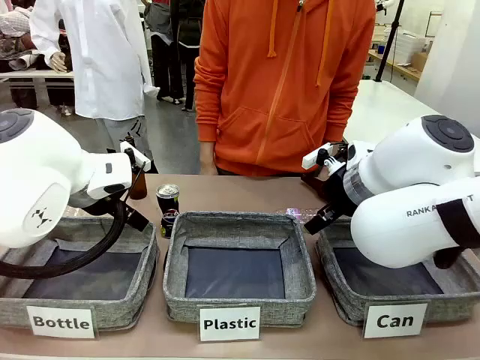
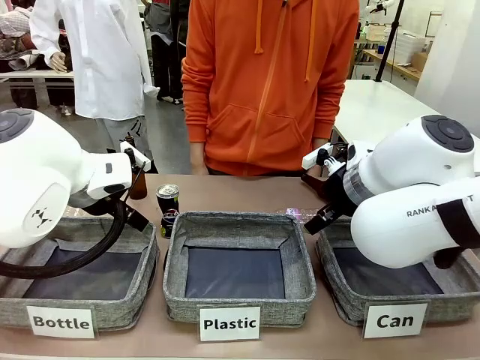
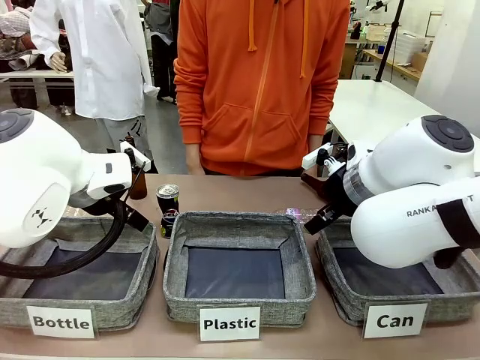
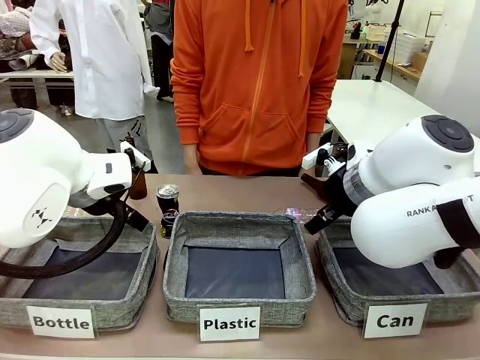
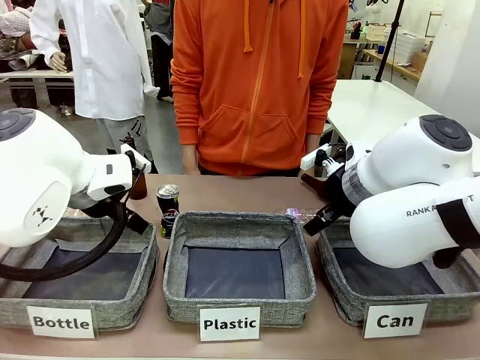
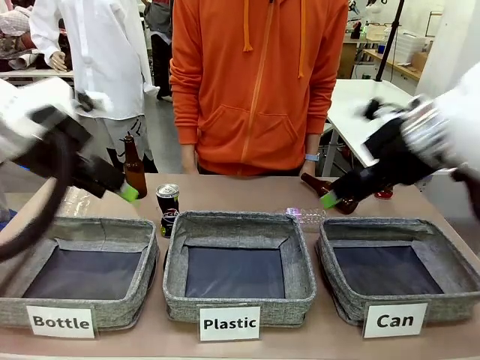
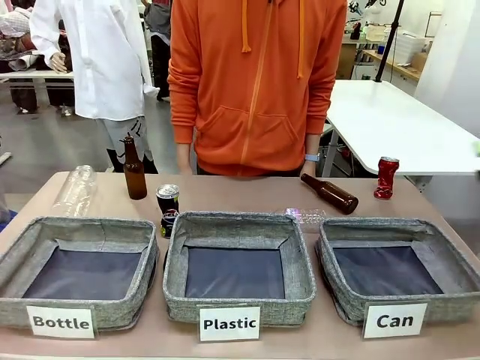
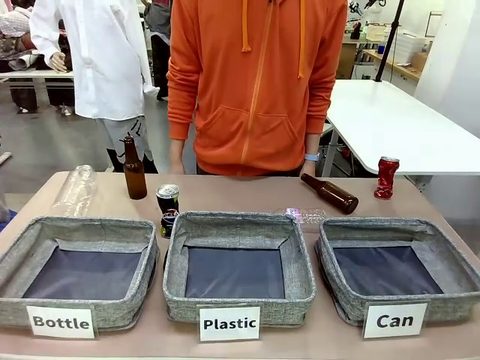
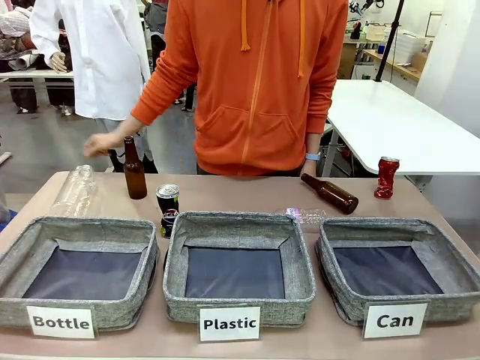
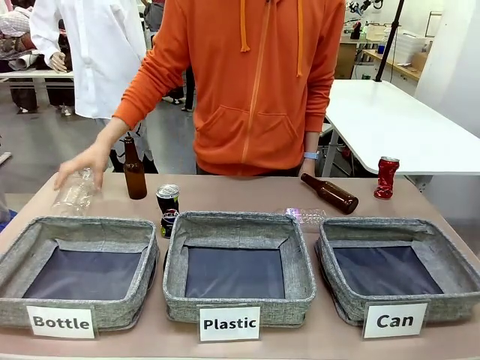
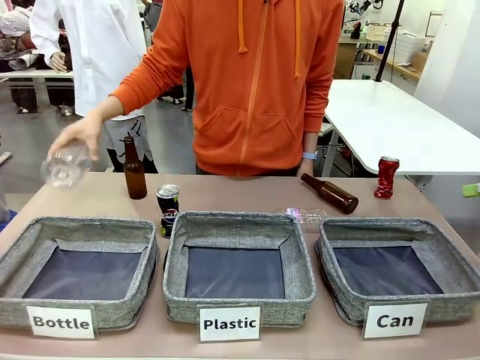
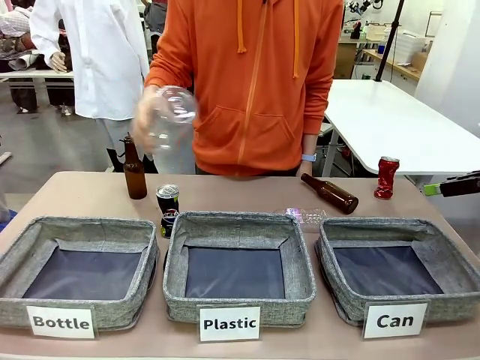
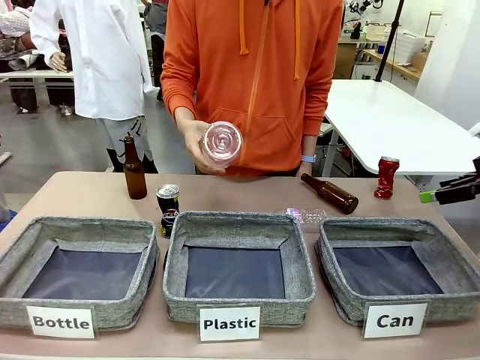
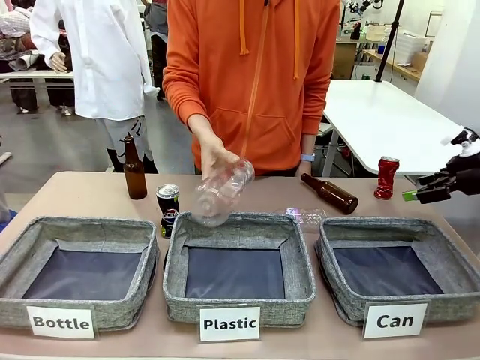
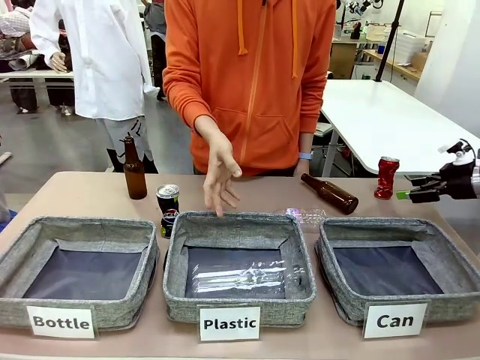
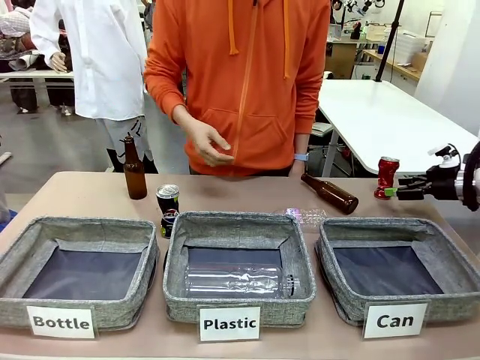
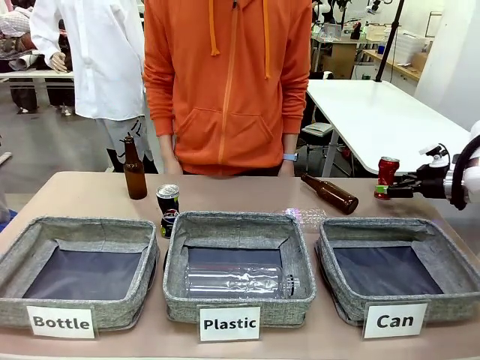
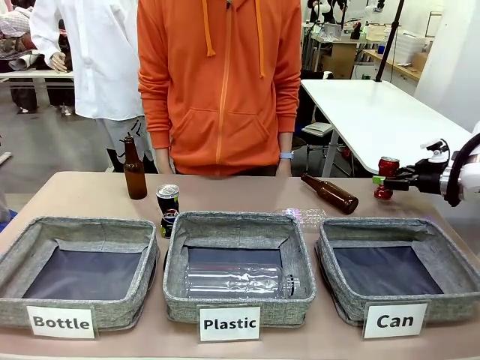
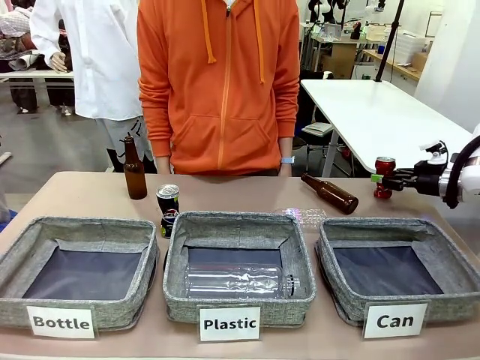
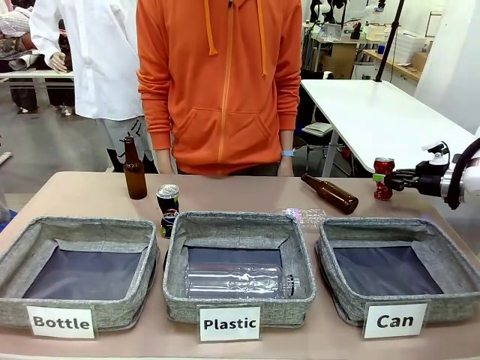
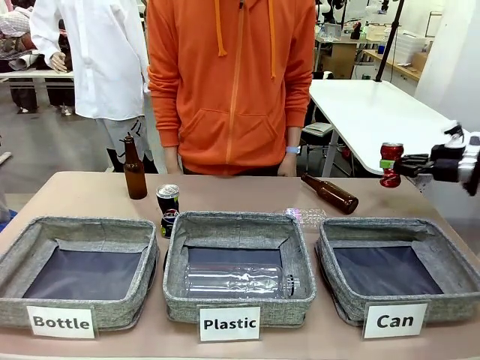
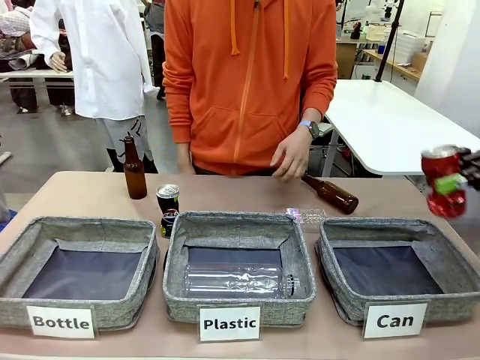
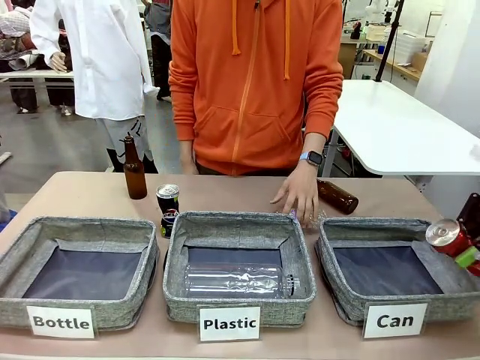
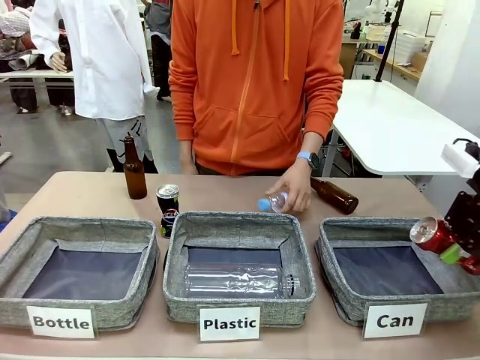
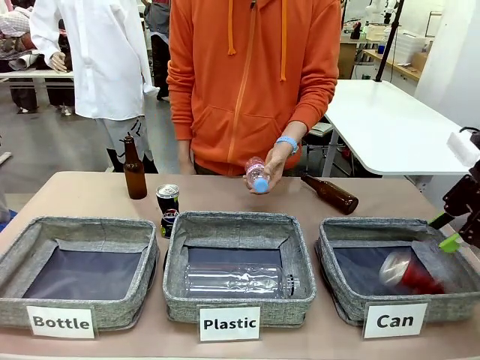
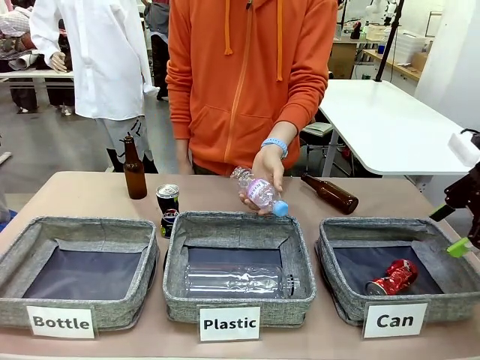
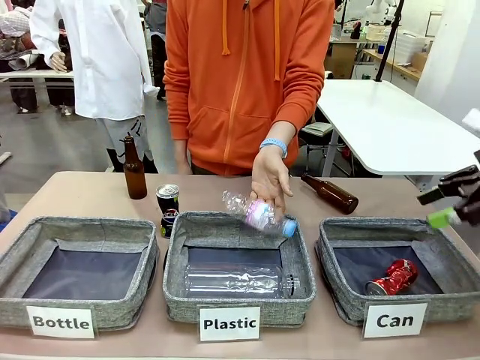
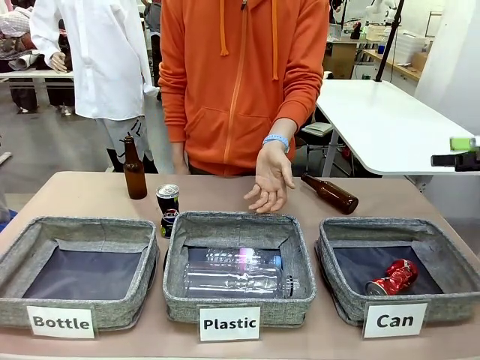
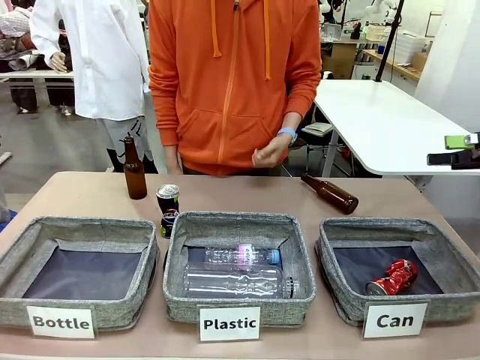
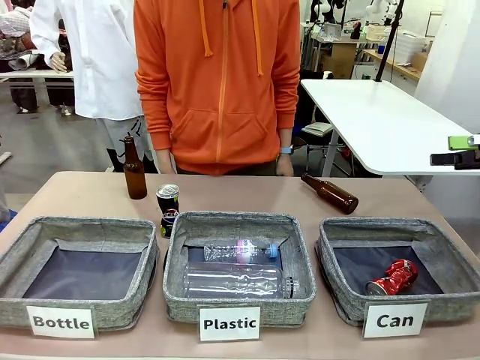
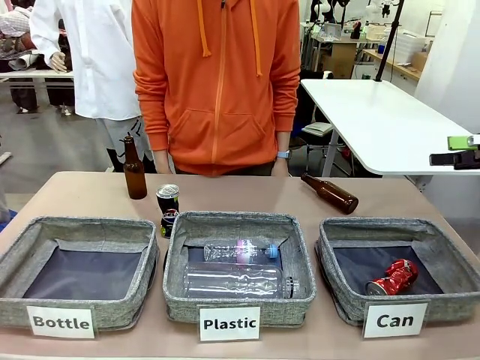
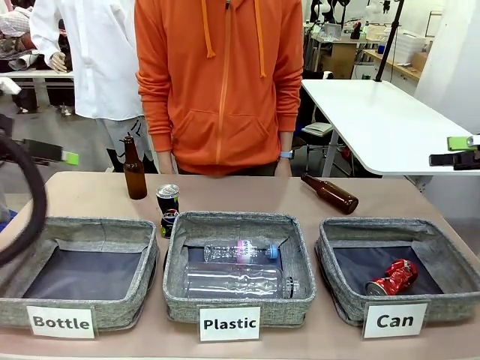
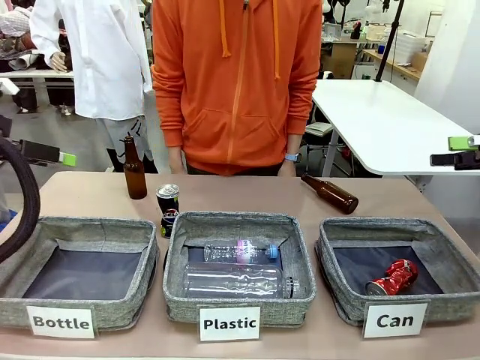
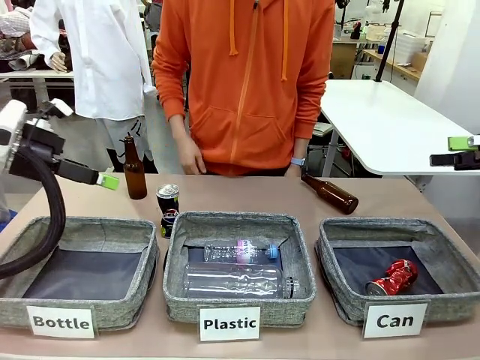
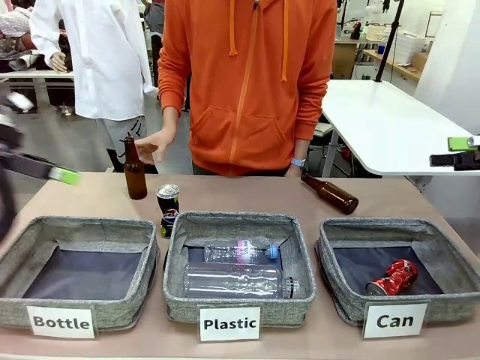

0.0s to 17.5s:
Task: Sort the can waste into the basket.
Robot: Pick up the can waste from the table and place it in the right Fabric basket.

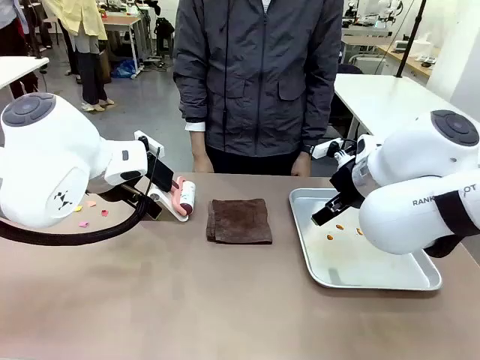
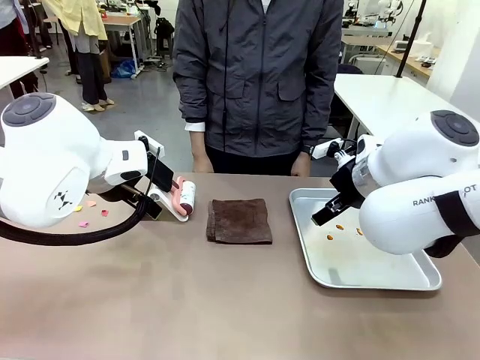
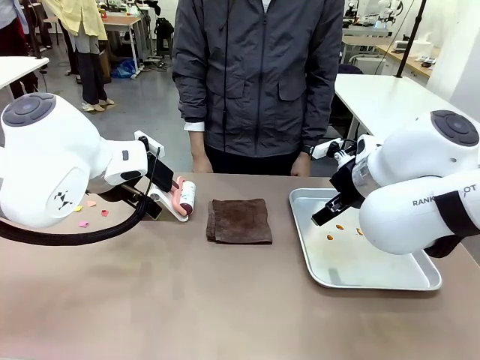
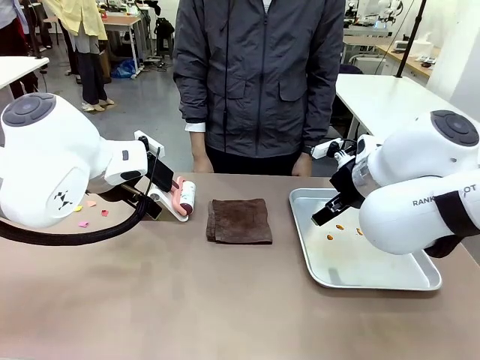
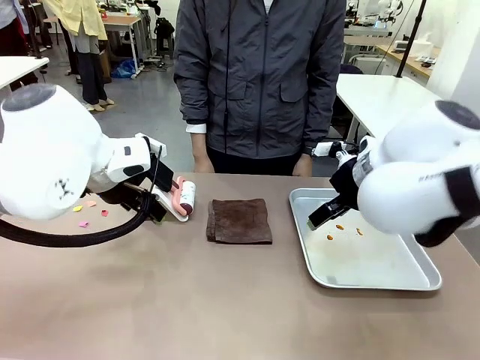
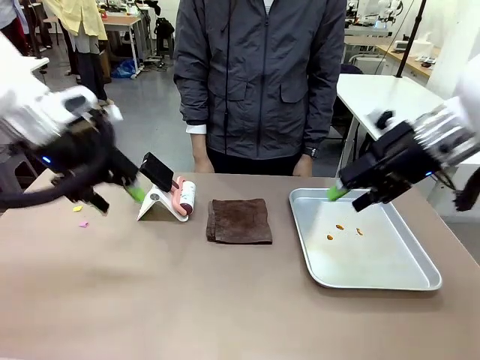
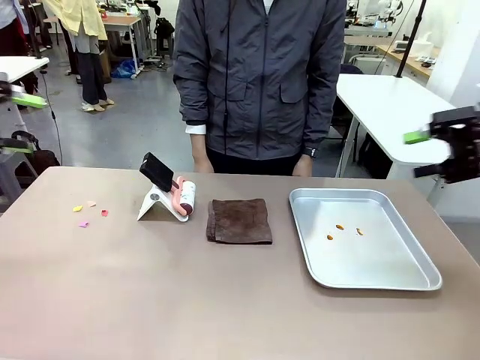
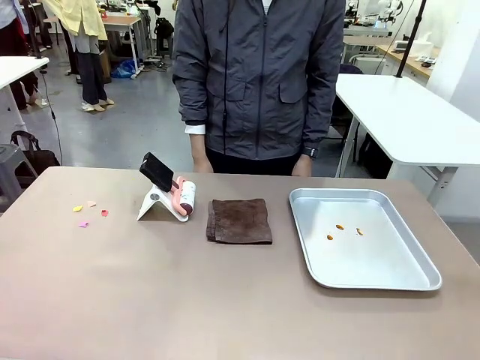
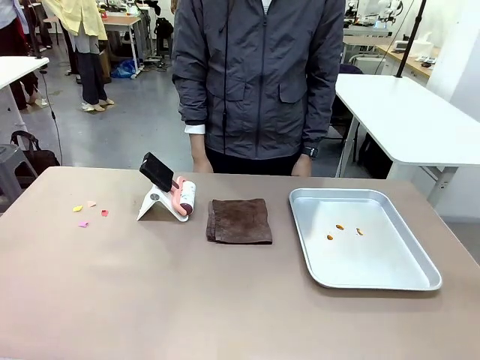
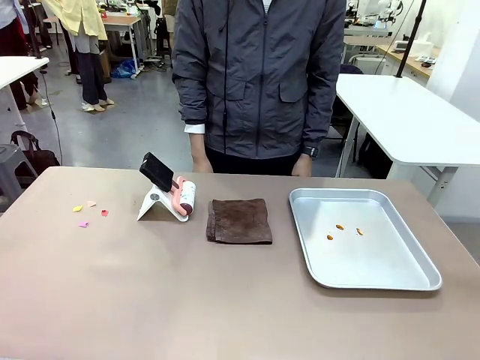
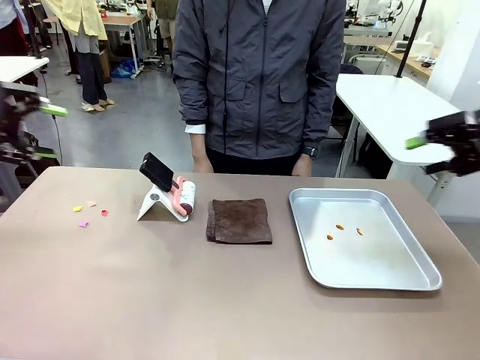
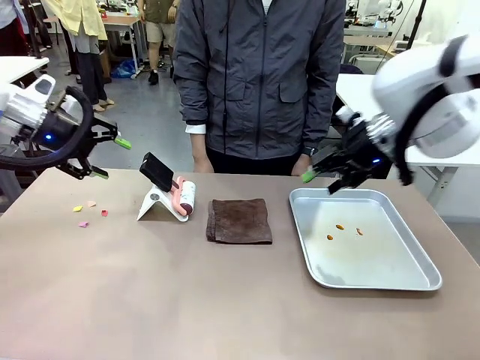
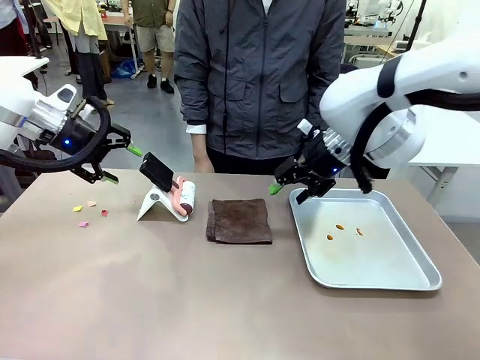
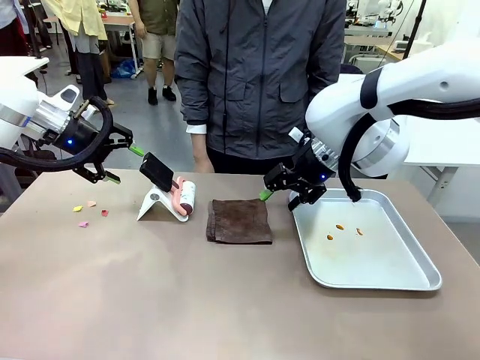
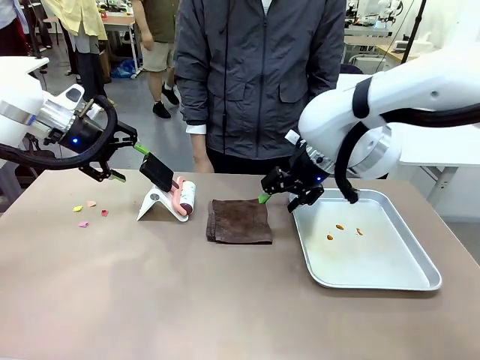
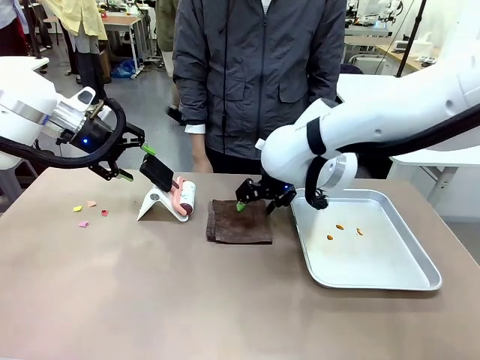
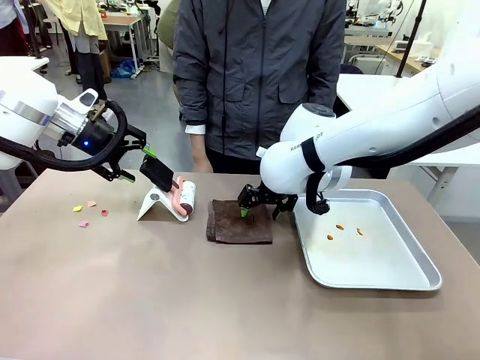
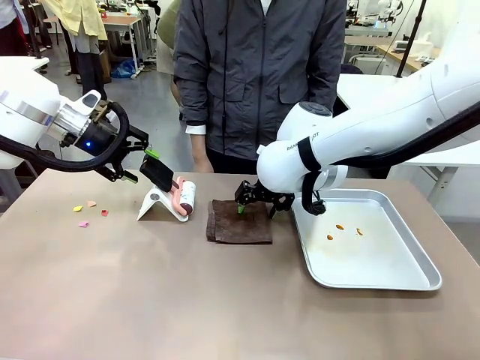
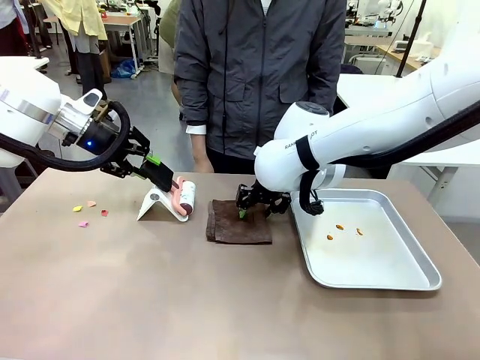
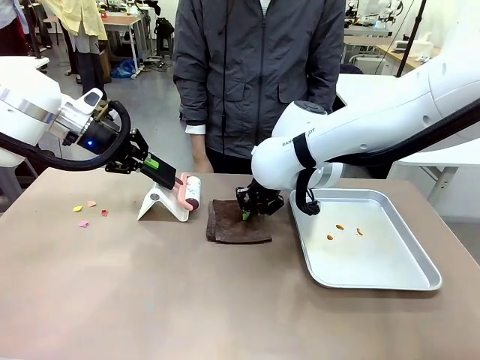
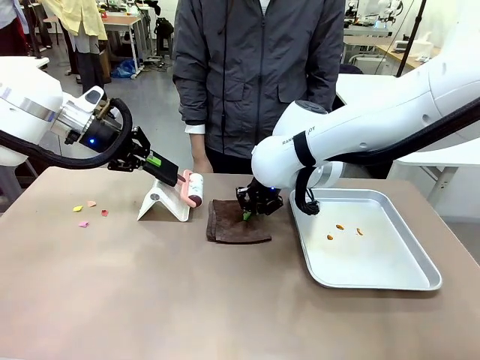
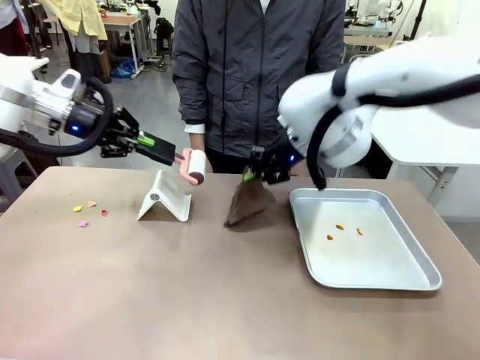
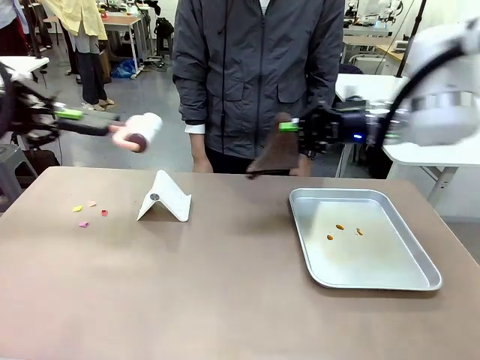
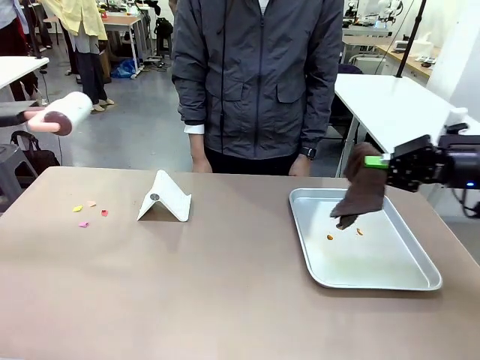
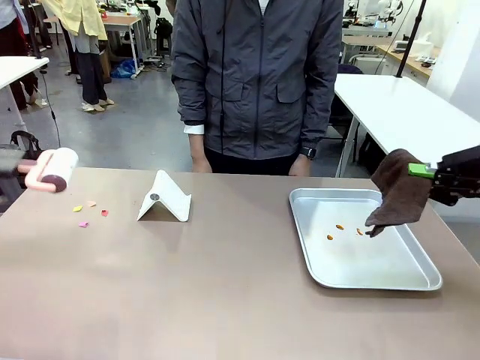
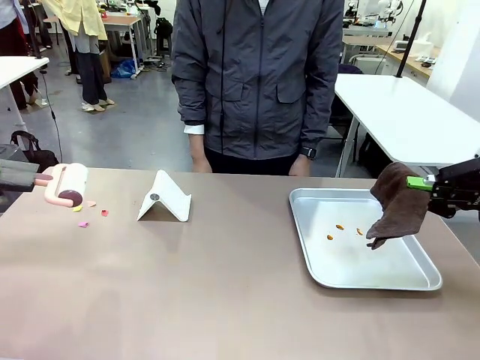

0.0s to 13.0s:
Task: Clean the surface of the table.
Robot: Hold the Lint Roller with your left hand and the towel with your right hand.
